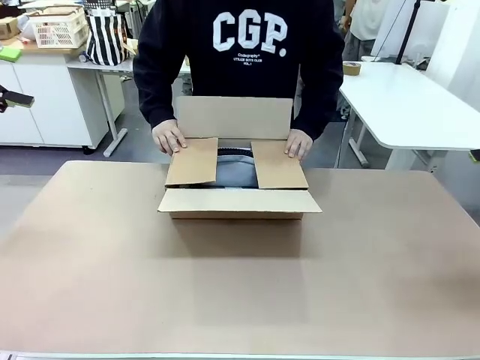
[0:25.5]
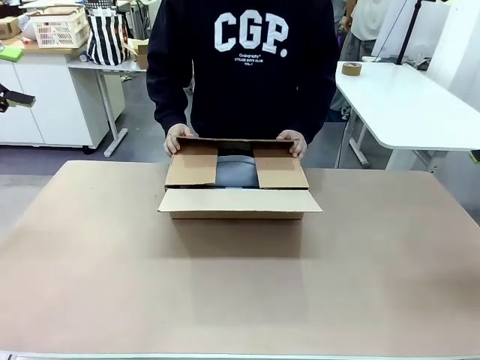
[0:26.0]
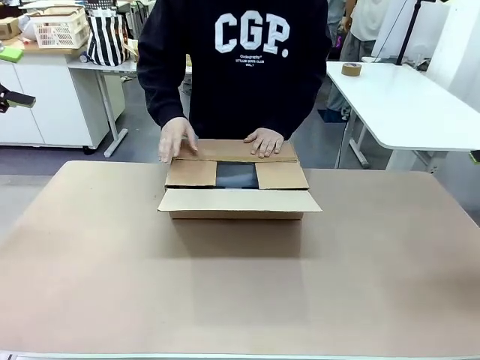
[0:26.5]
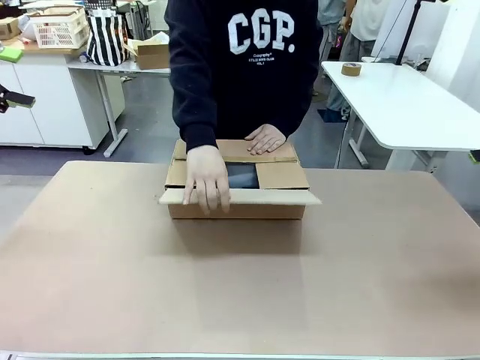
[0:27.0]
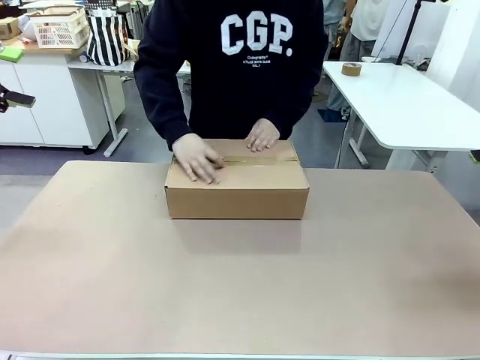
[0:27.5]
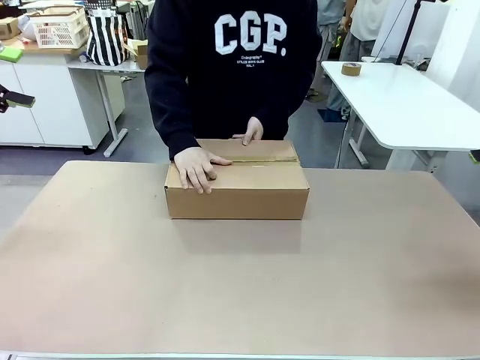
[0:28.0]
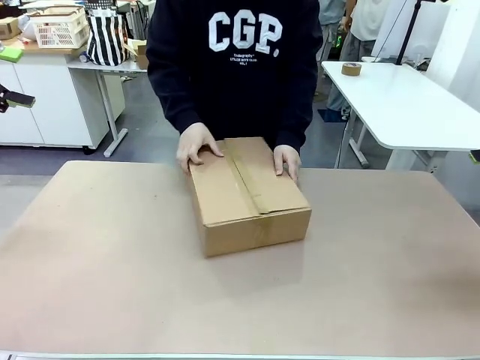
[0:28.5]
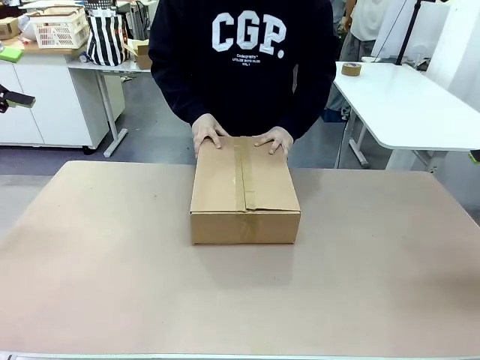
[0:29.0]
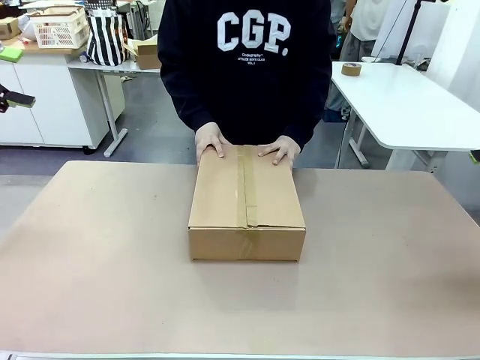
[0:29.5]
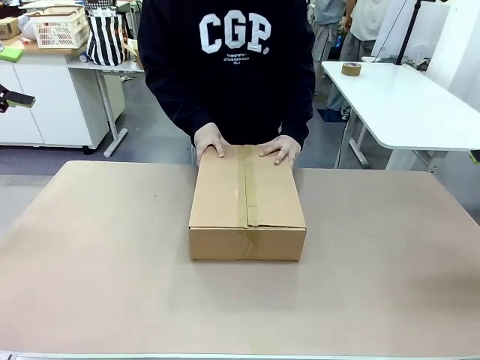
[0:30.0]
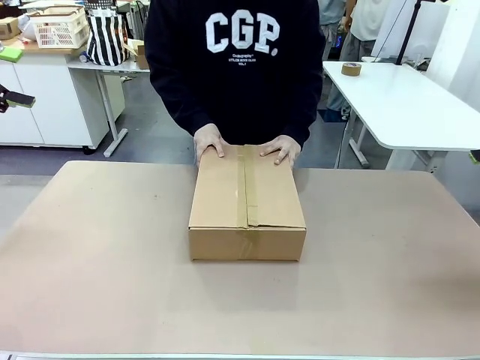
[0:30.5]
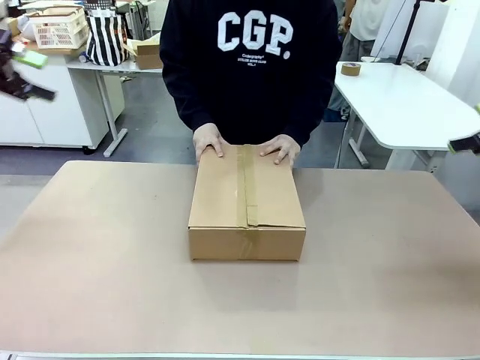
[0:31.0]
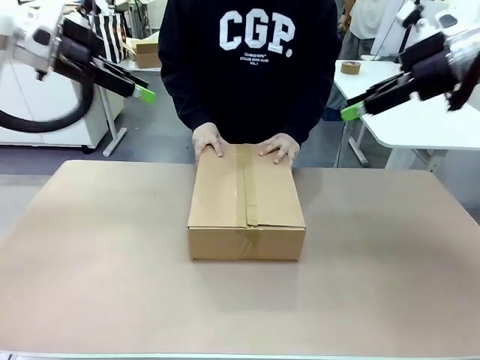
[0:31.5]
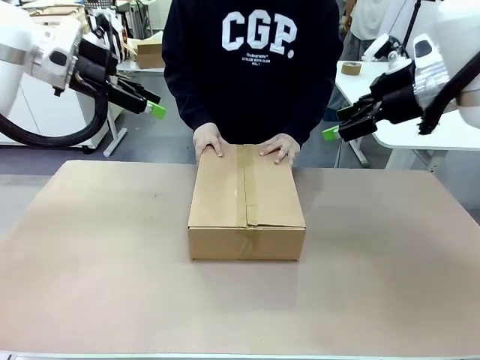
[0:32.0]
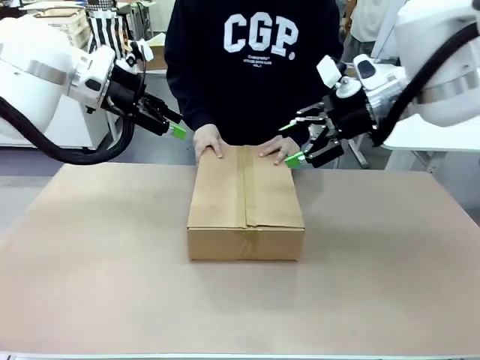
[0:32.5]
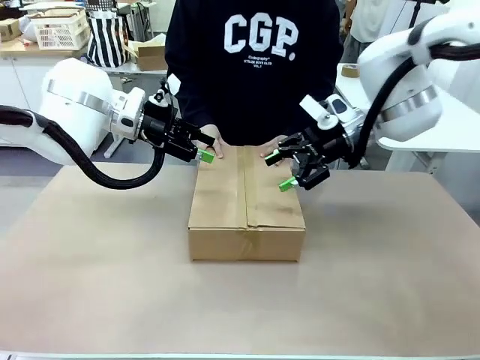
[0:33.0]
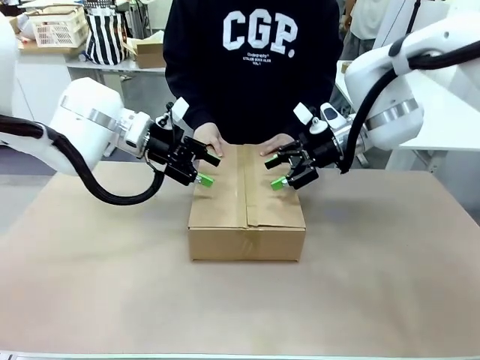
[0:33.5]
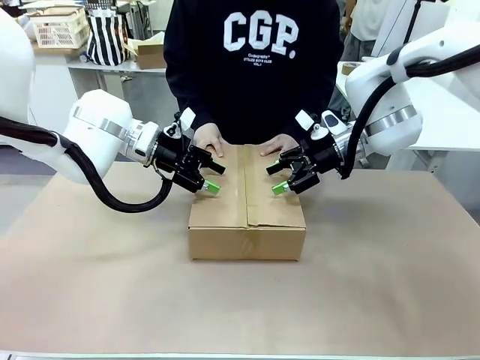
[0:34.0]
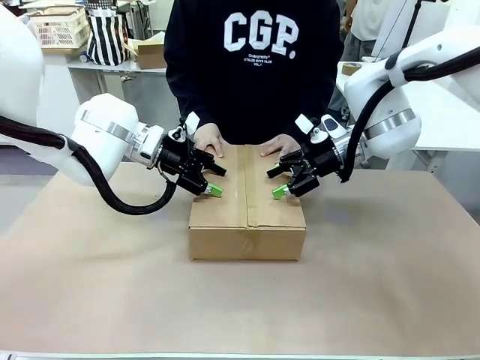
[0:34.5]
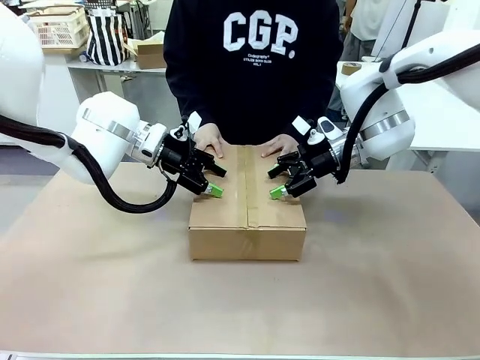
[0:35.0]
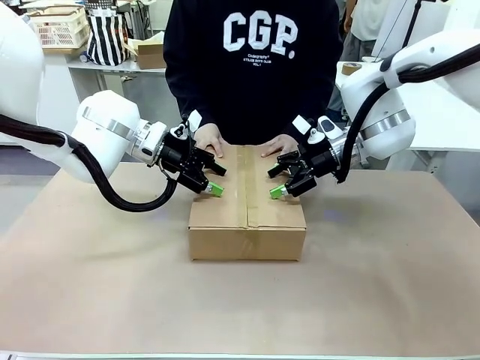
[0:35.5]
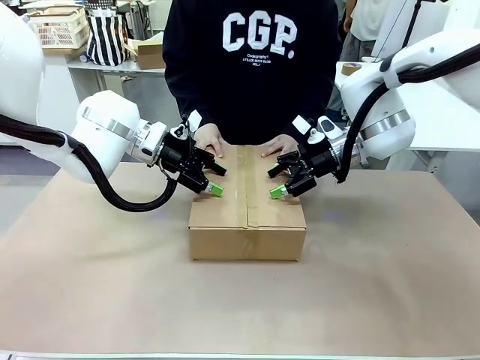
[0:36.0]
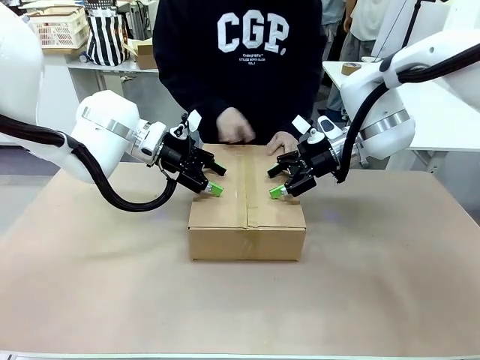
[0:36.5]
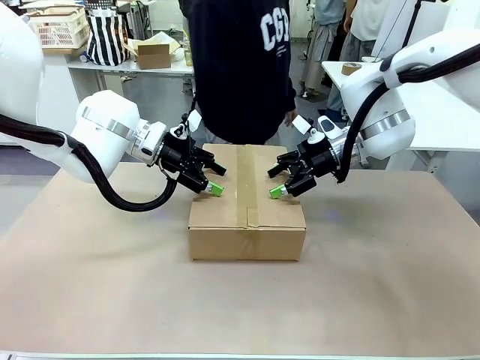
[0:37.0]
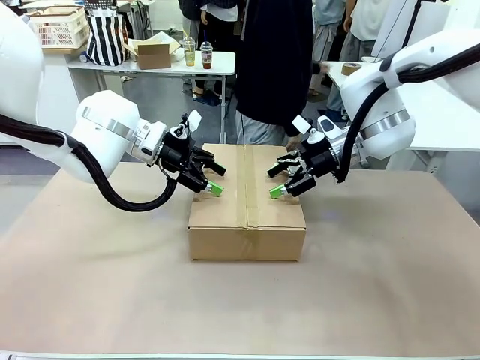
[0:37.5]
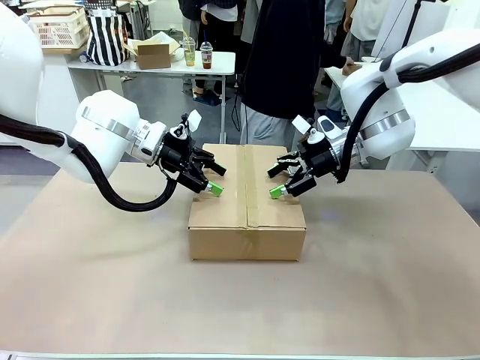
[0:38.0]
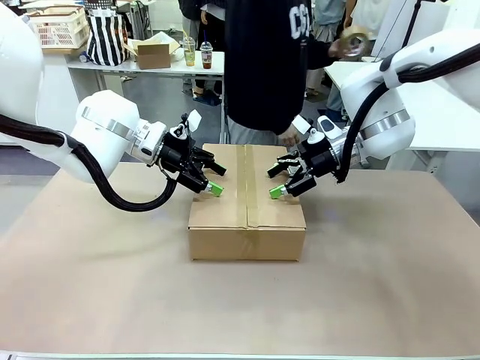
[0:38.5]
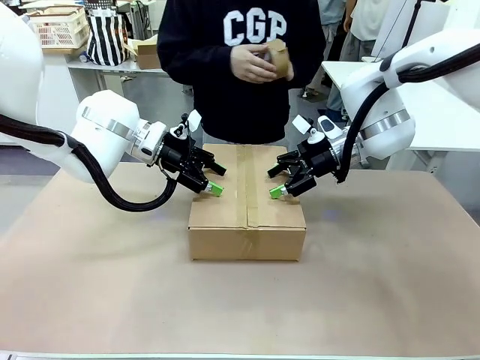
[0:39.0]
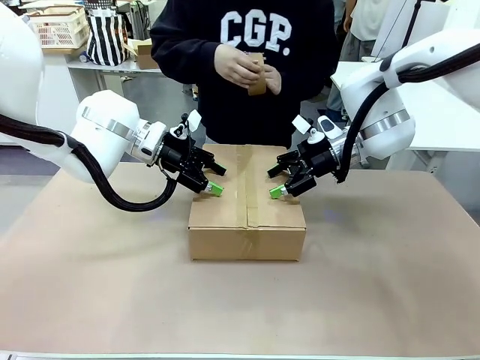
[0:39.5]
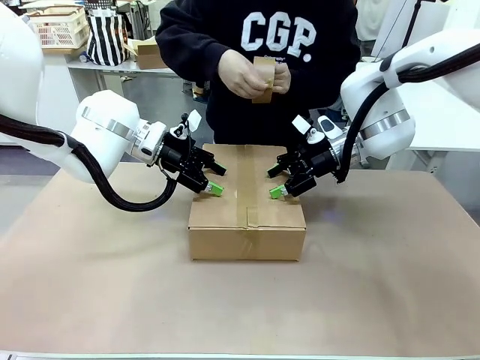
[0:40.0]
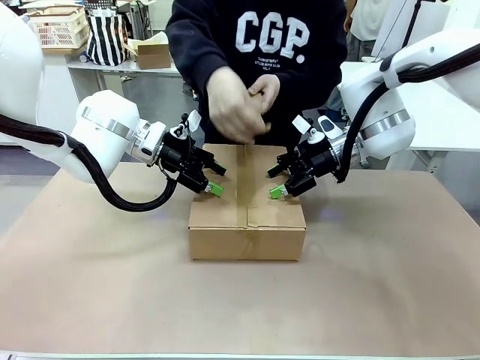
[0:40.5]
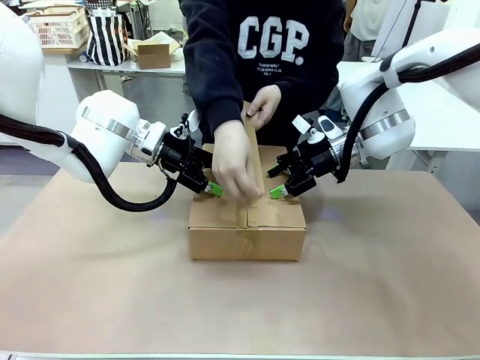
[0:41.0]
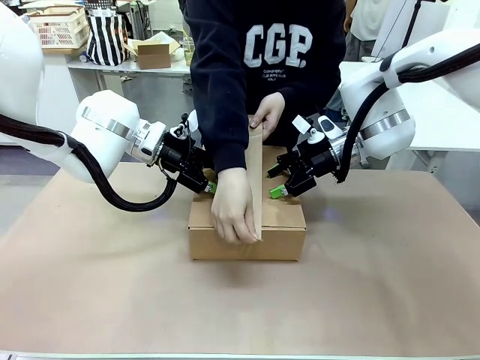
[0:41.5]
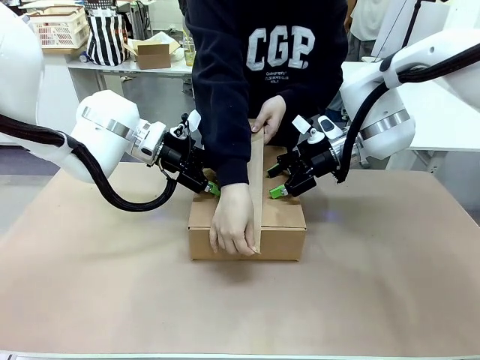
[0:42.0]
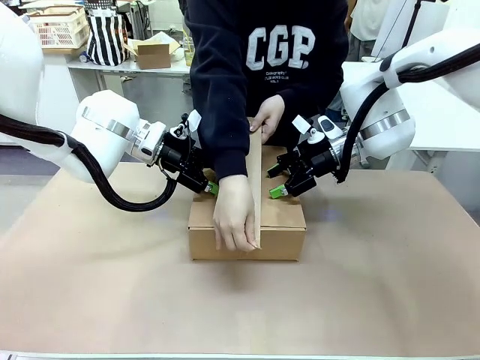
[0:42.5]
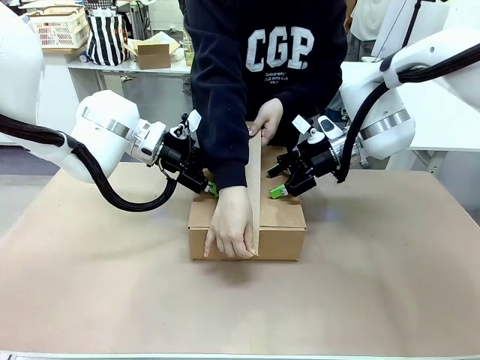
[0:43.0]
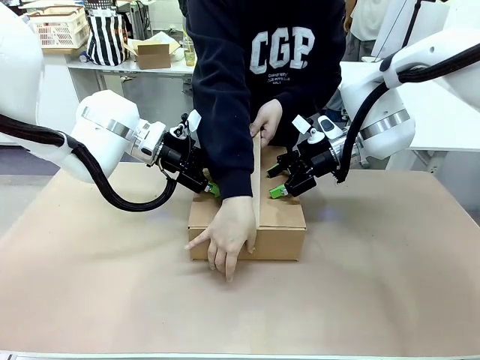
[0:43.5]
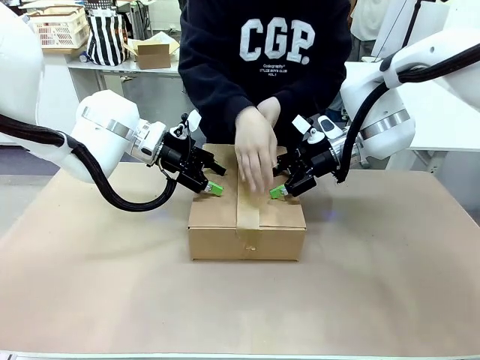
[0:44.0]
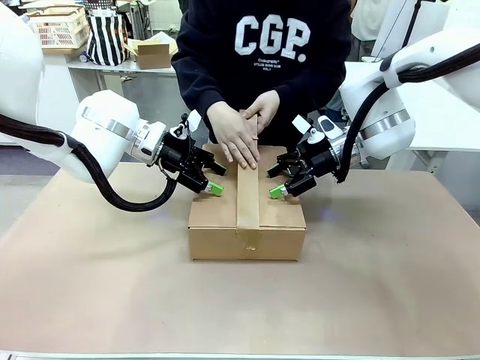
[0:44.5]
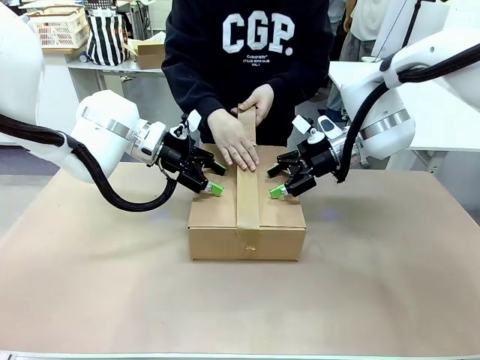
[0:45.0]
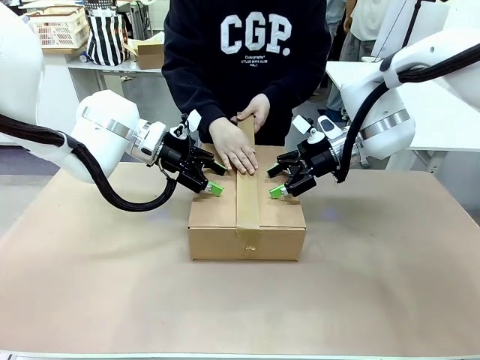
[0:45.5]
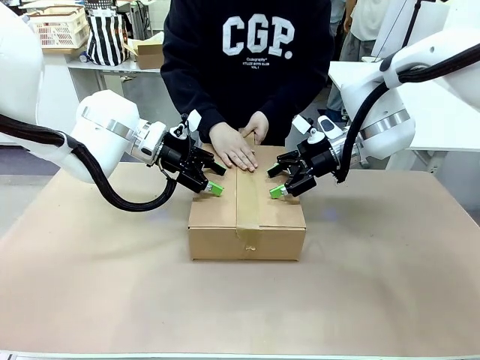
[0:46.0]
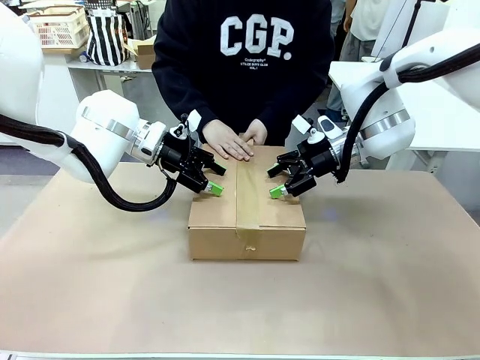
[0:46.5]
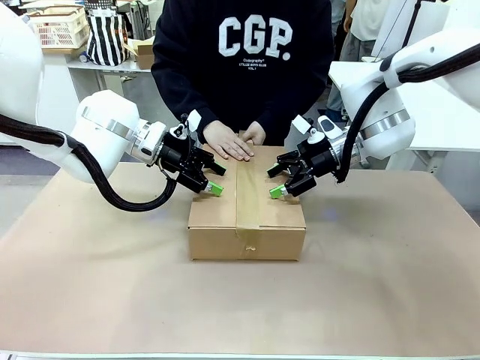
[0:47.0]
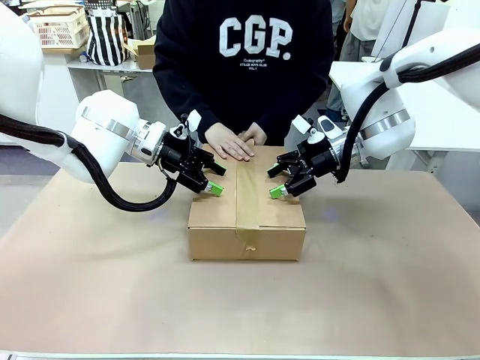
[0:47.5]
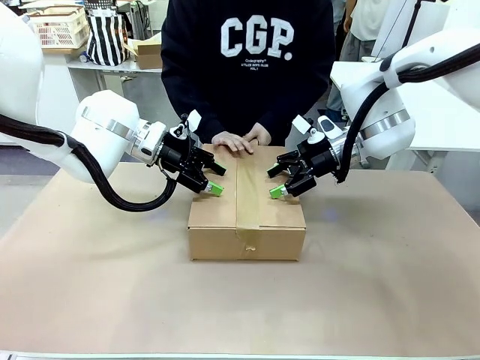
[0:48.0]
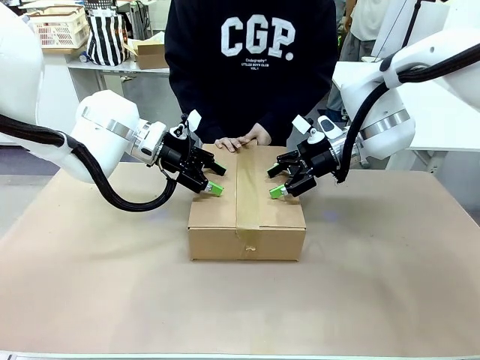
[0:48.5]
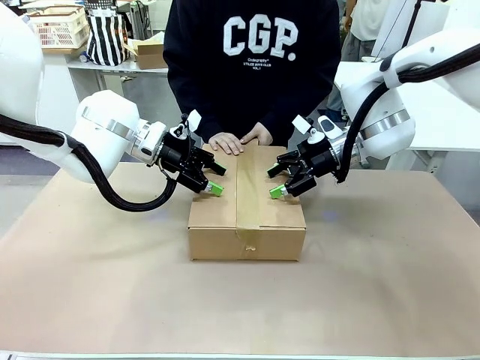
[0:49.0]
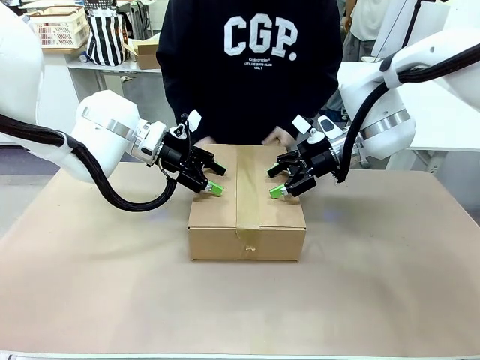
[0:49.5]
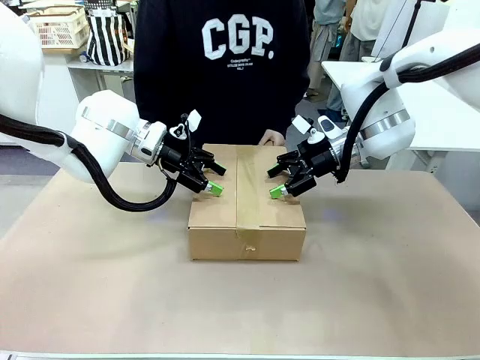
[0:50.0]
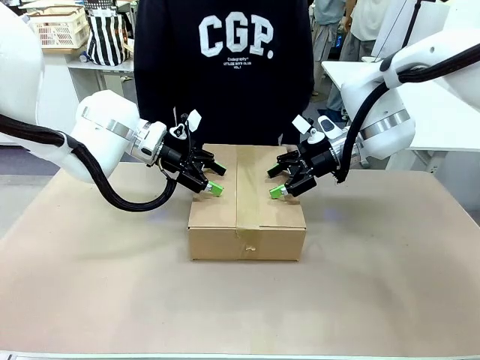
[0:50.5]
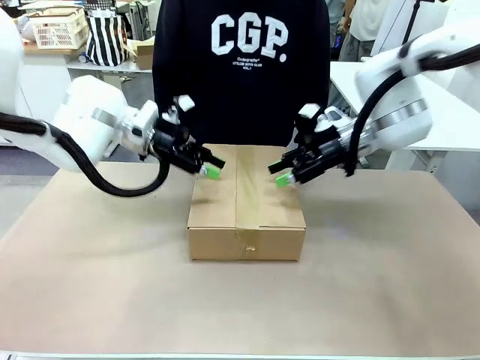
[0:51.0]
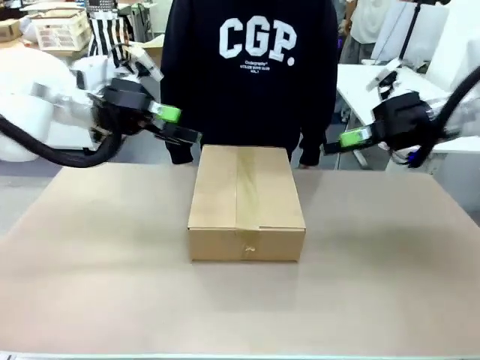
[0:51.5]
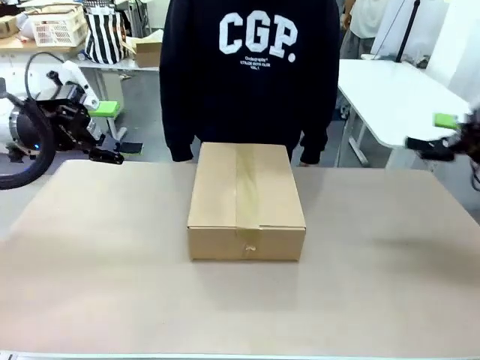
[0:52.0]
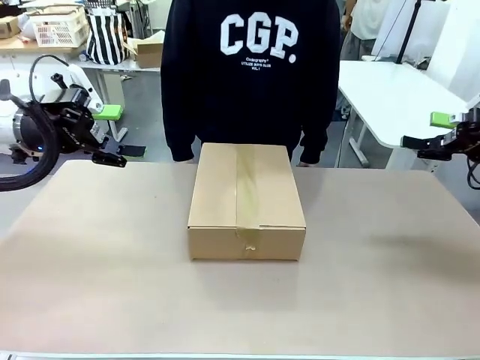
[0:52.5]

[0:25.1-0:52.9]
Task: Pack the gift set into the box.
Robot: Press and hold the closed box until the human finishes sealing it.
Person: The human closes the box and rotates the box by 90 degrees. The human picks up the paper tape from the human table and packs the box.
